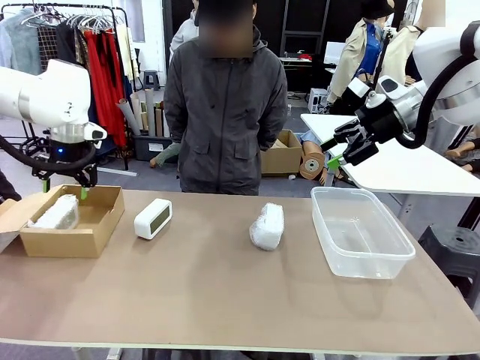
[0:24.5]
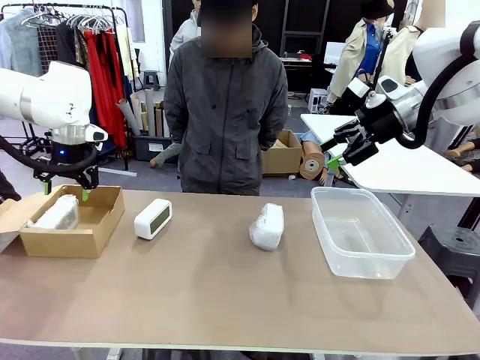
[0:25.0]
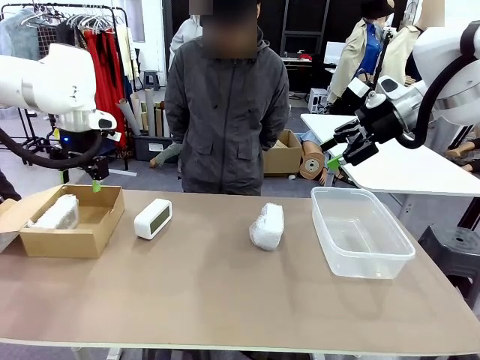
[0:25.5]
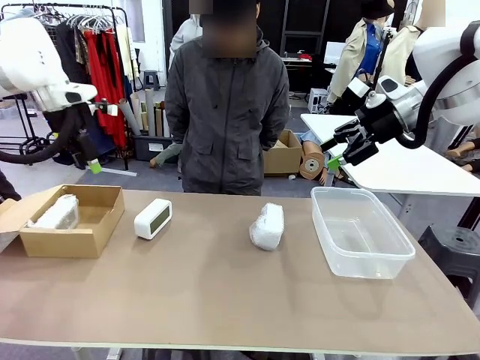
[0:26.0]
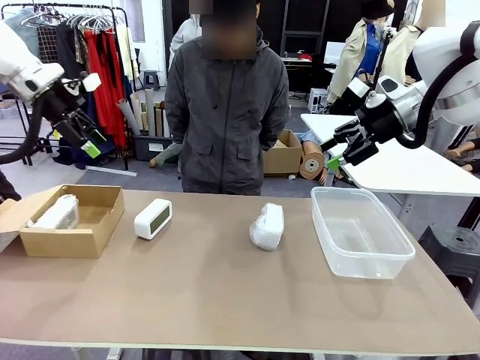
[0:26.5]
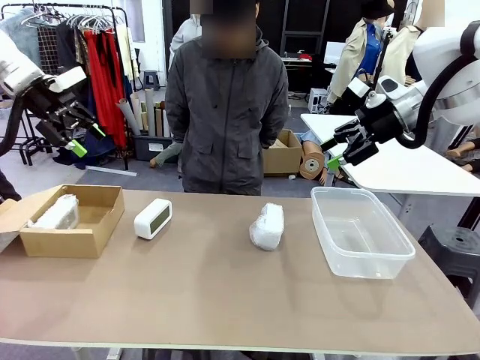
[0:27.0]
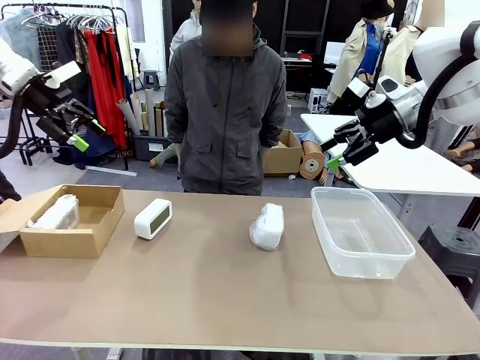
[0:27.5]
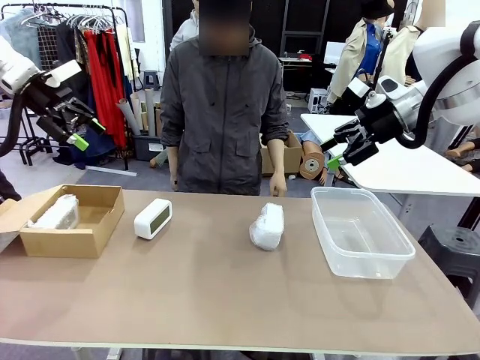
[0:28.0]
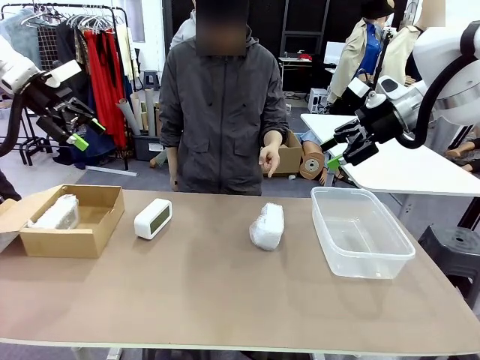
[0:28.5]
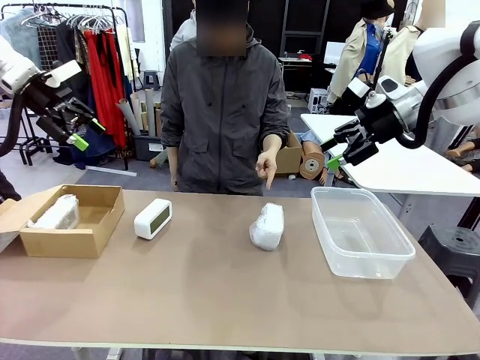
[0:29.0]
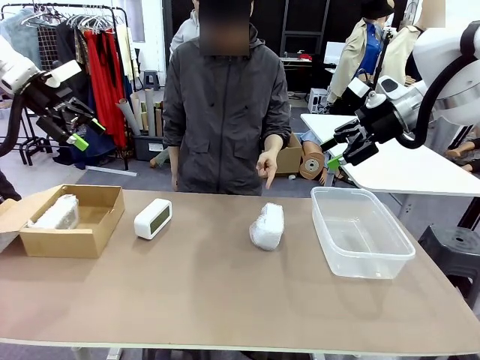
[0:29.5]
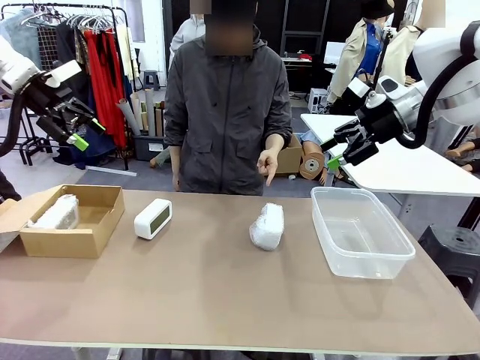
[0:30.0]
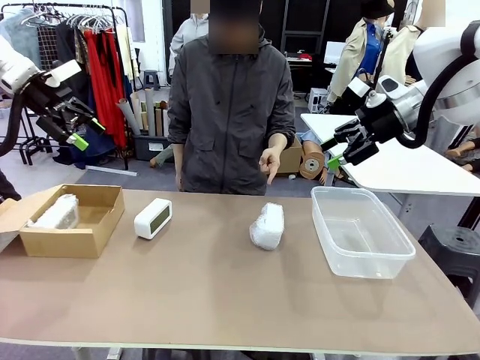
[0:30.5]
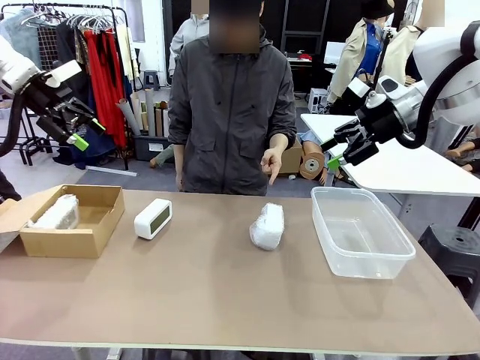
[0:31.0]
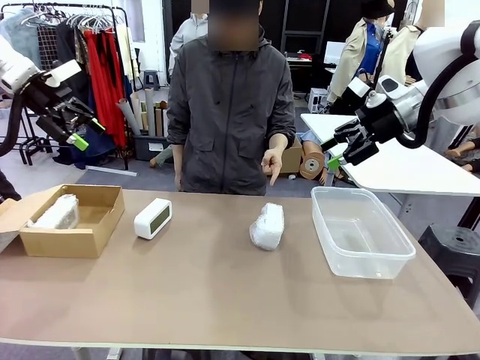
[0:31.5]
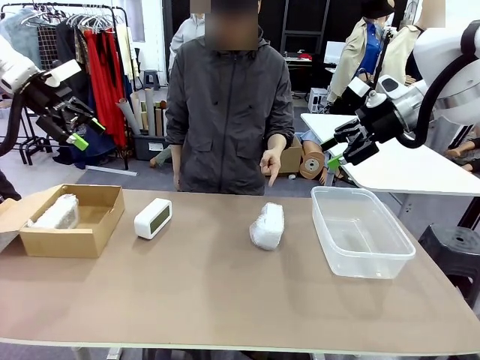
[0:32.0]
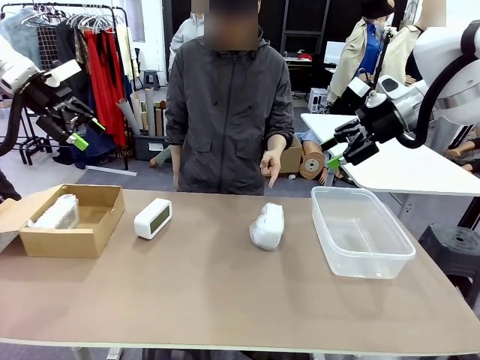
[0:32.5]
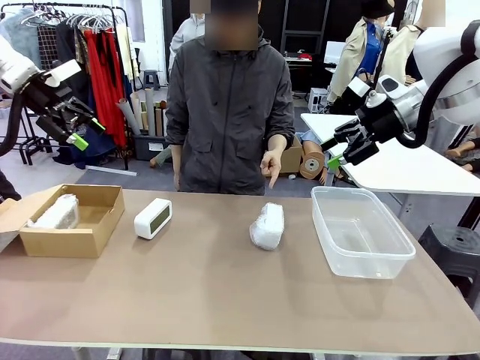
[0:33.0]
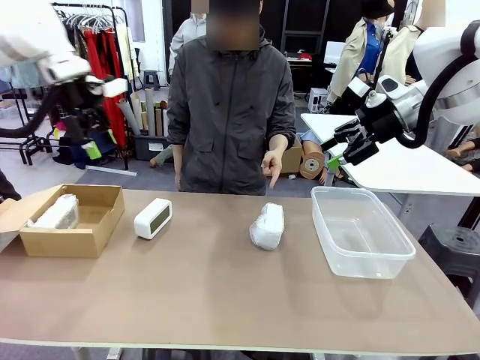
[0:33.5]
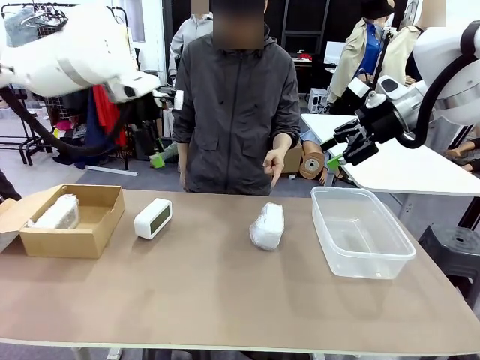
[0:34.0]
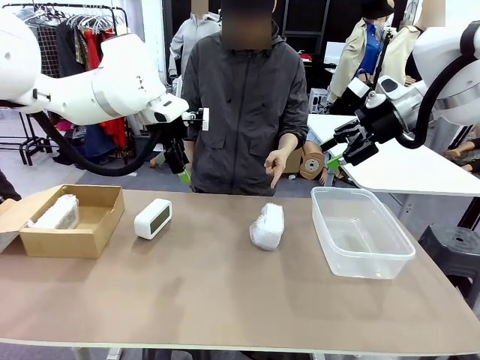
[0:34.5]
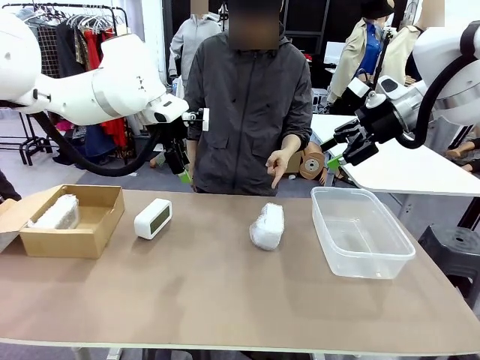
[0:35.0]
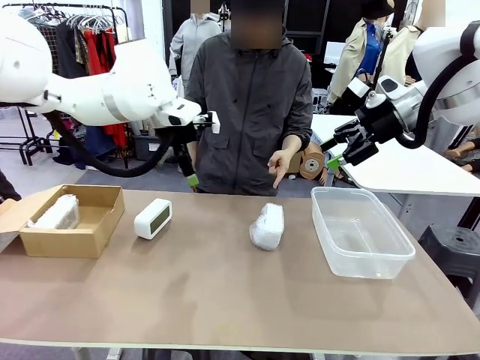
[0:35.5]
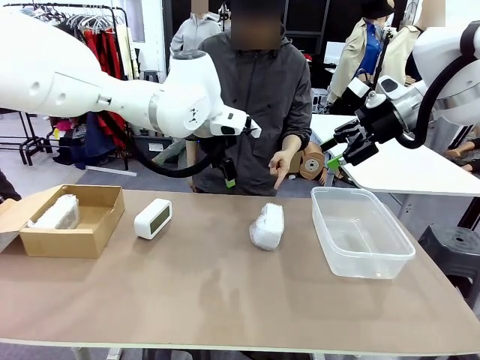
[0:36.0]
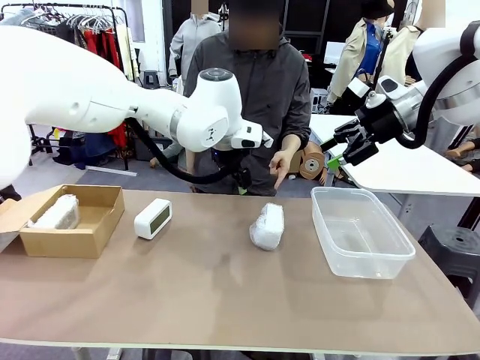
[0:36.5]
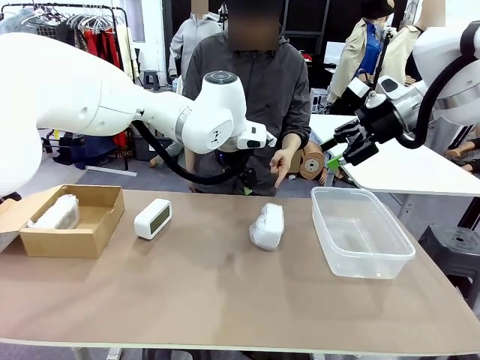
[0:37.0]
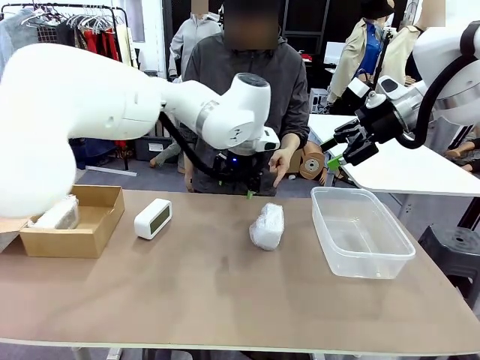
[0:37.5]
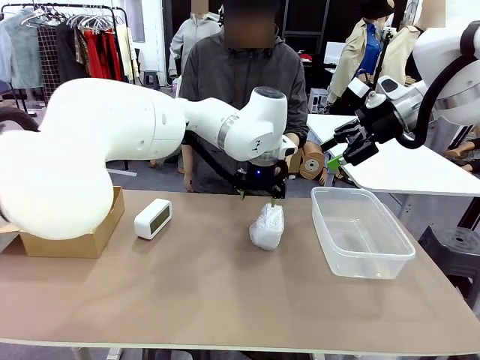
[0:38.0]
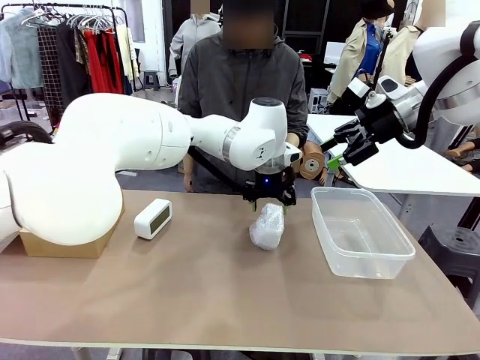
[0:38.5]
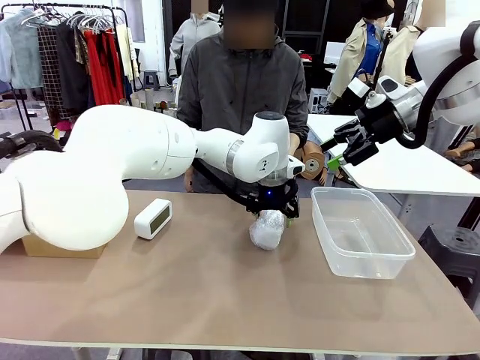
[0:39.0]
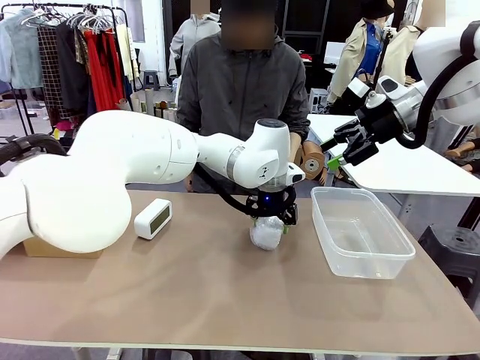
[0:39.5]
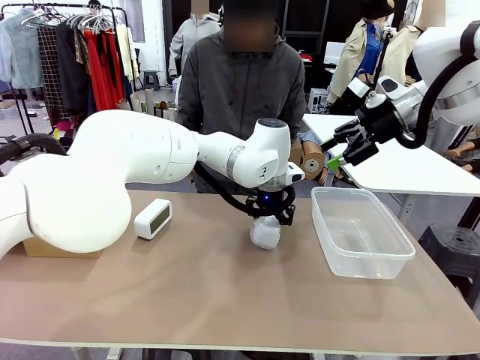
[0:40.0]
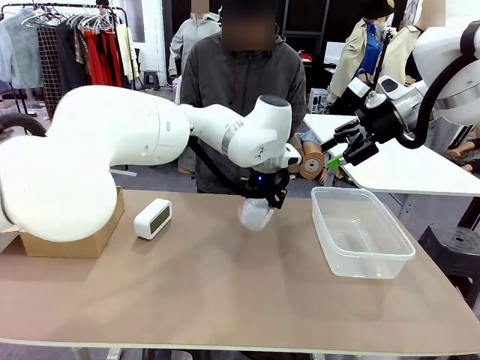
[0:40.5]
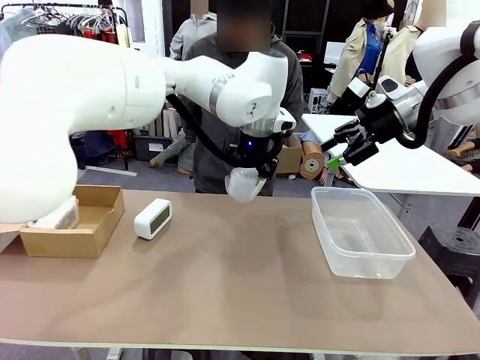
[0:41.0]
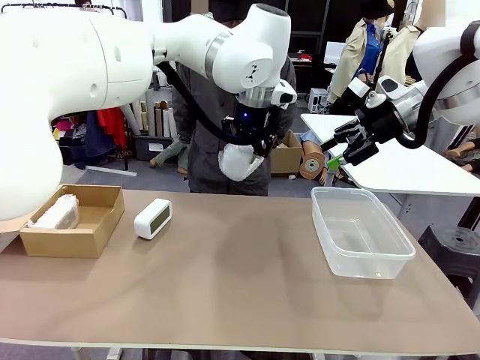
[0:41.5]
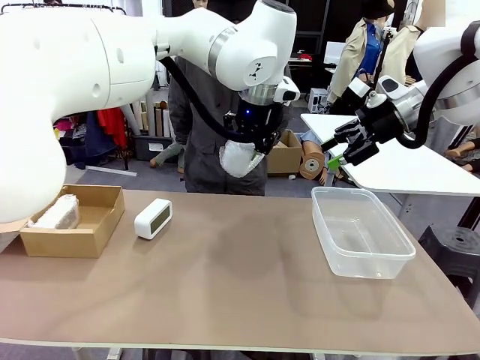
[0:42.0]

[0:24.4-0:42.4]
Task: Separate and place wrapped and unwrapped clocks.
Robot: Pick up the Digital clock indicated by the person.

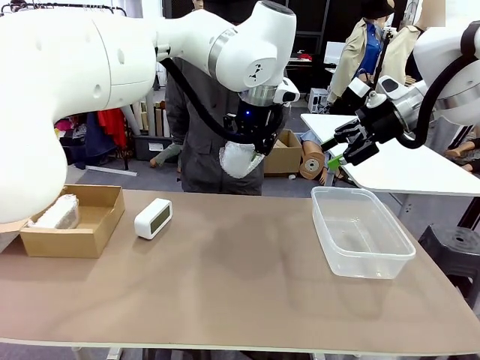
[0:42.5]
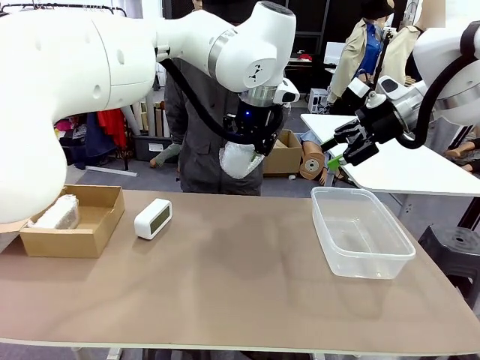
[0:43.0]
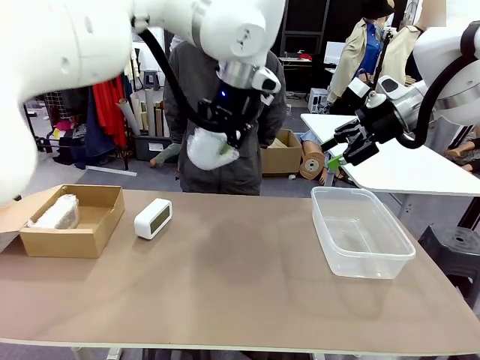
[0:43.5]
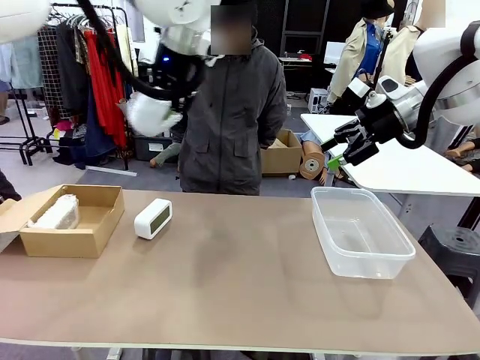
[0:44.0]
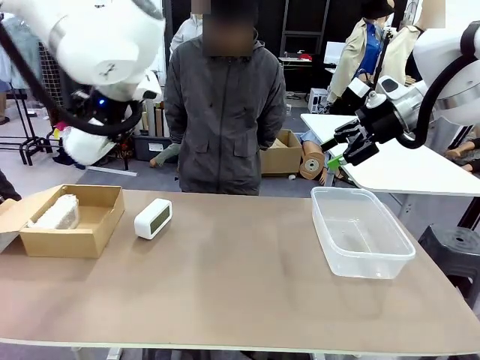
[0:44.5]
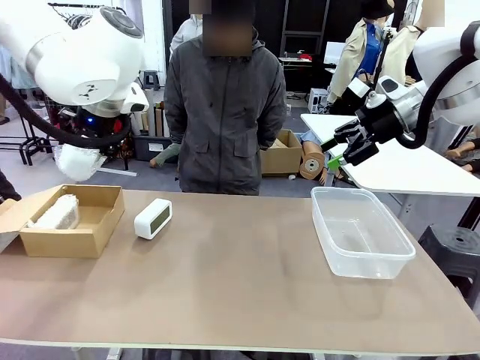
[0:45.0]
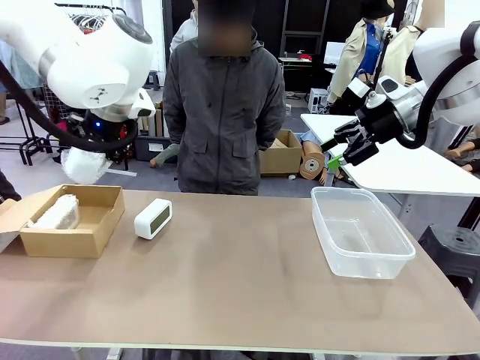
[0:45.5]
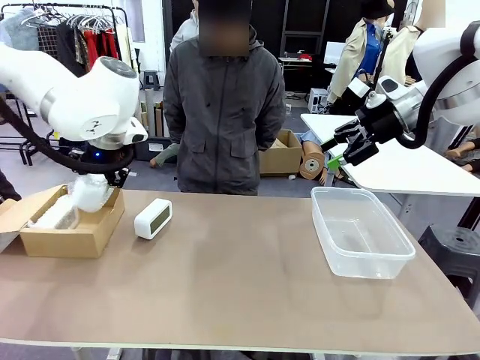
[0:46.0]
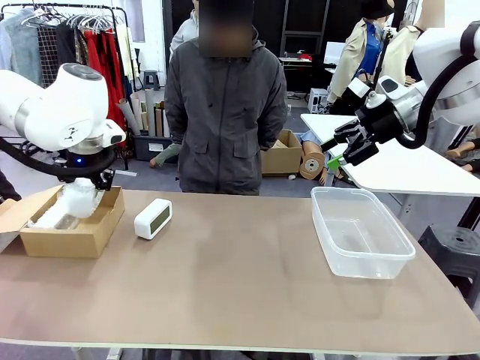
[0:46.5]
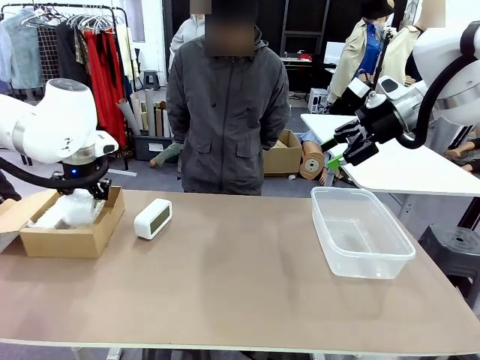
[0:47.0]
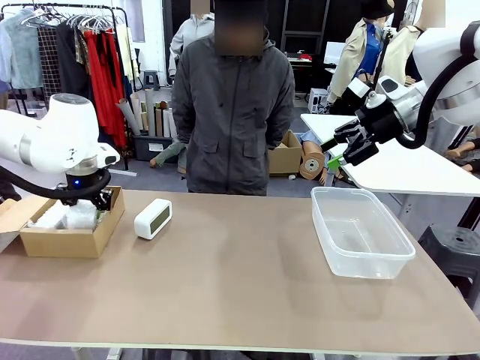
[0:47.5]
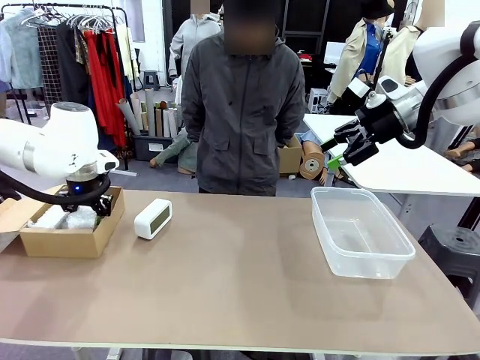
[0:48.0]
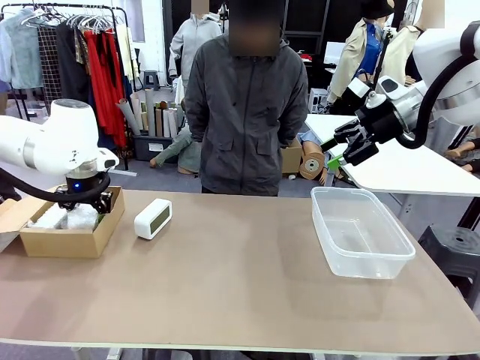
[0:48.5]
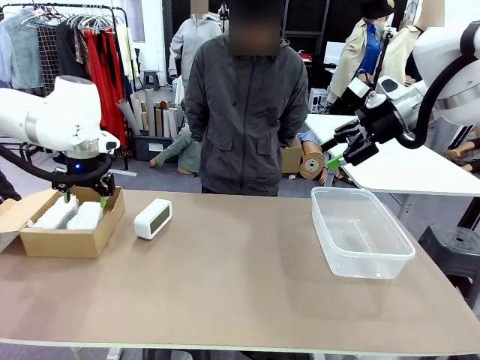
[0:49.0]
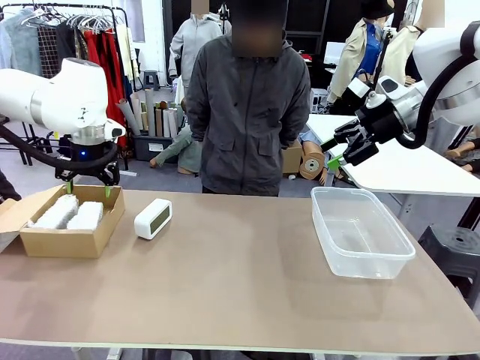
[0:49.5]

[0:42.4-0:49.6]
Robot: If the picked Digital clock is wrapped, place it in the Package Box ; if not, place it in the Organizing box.
